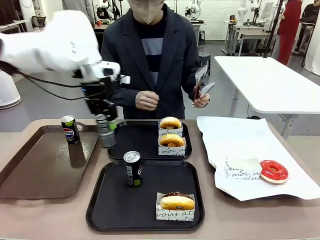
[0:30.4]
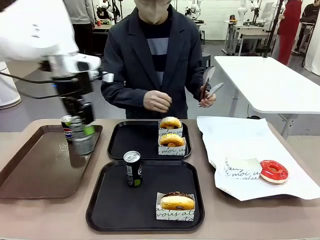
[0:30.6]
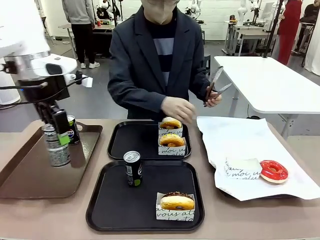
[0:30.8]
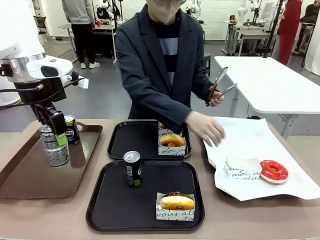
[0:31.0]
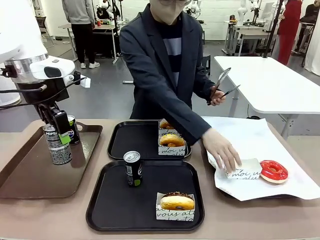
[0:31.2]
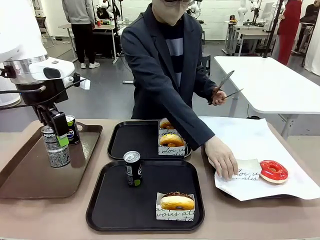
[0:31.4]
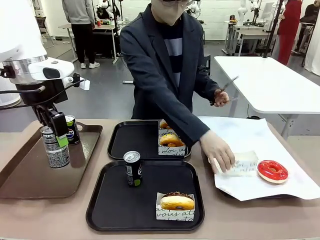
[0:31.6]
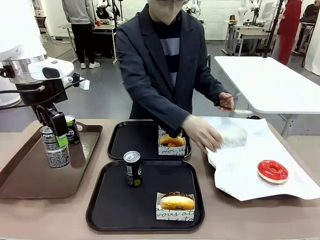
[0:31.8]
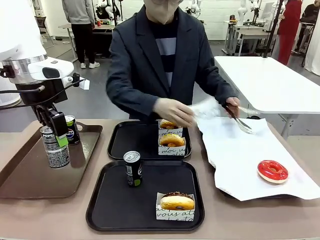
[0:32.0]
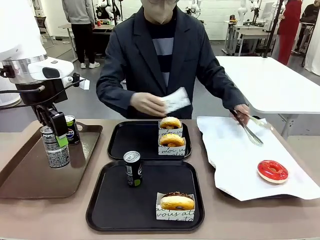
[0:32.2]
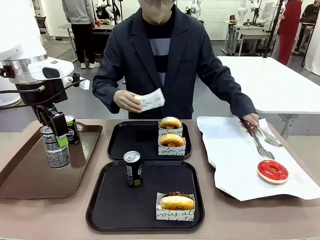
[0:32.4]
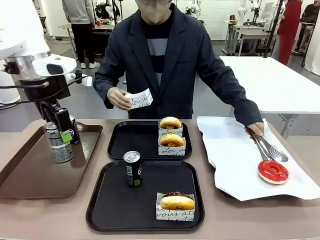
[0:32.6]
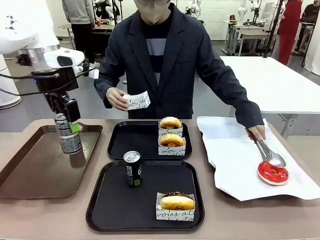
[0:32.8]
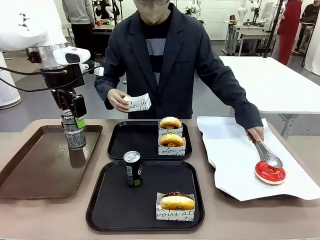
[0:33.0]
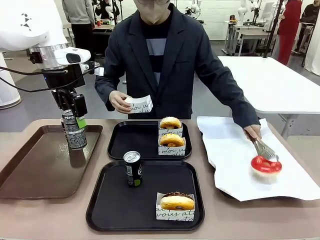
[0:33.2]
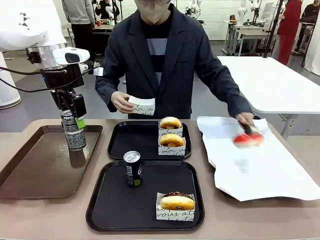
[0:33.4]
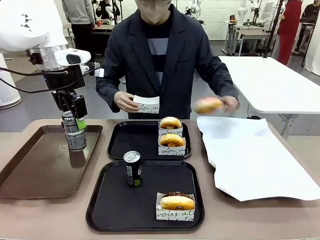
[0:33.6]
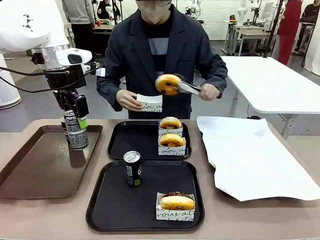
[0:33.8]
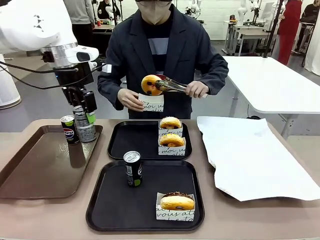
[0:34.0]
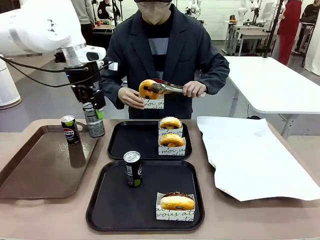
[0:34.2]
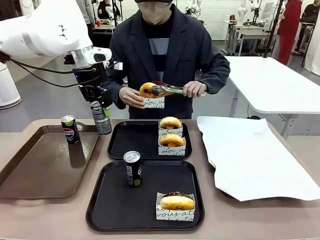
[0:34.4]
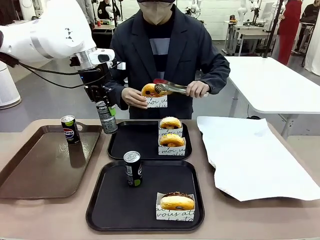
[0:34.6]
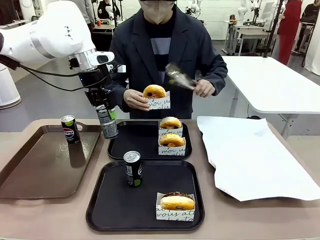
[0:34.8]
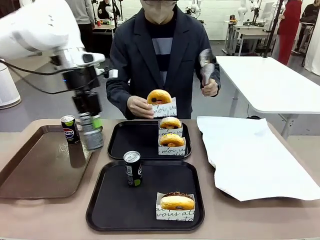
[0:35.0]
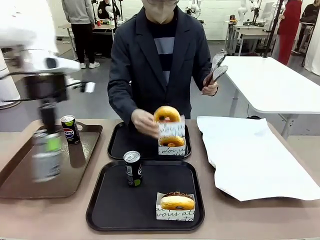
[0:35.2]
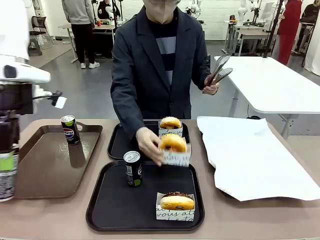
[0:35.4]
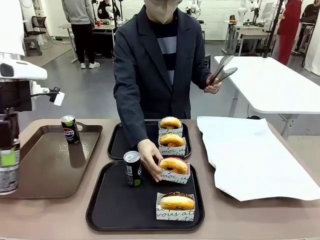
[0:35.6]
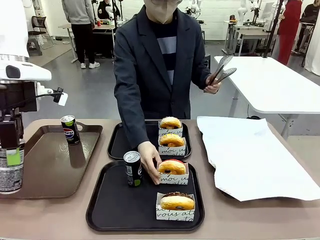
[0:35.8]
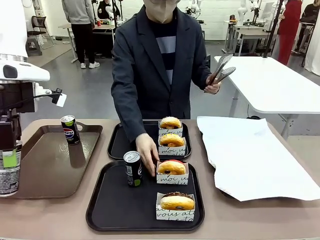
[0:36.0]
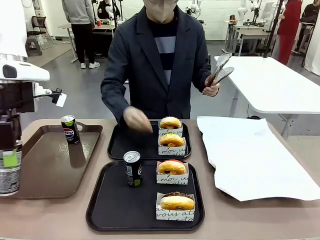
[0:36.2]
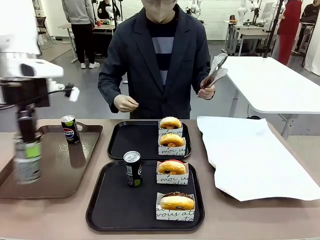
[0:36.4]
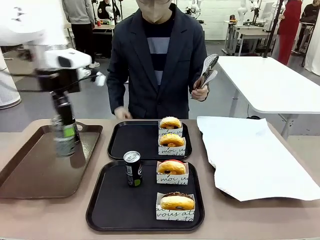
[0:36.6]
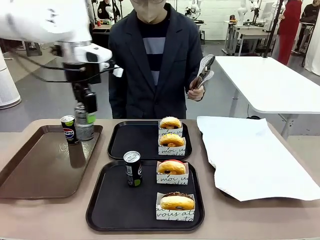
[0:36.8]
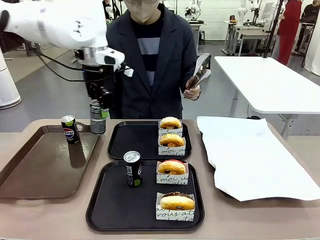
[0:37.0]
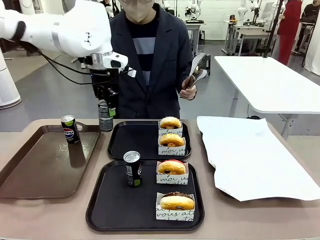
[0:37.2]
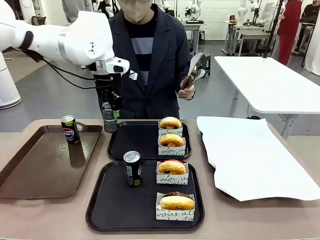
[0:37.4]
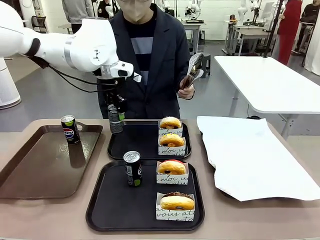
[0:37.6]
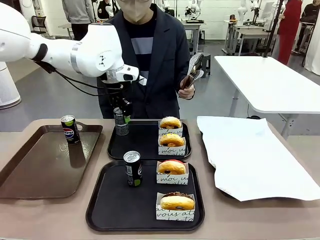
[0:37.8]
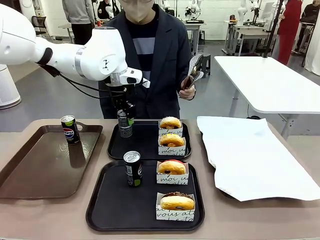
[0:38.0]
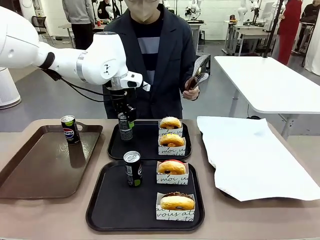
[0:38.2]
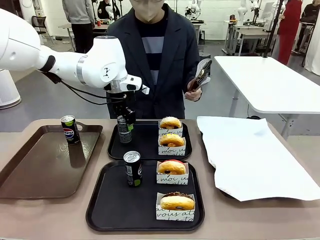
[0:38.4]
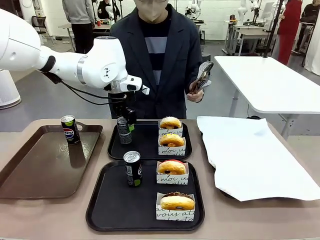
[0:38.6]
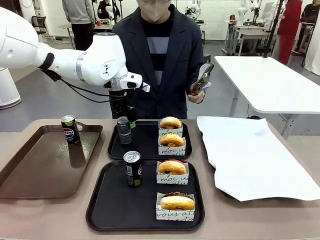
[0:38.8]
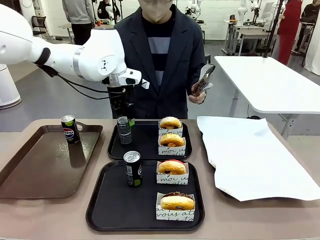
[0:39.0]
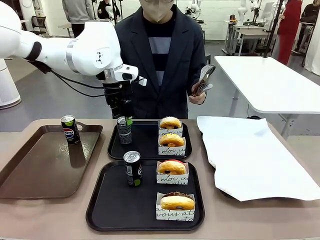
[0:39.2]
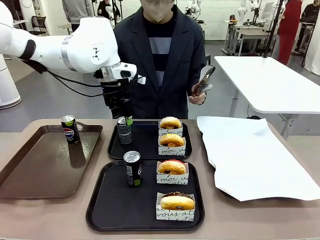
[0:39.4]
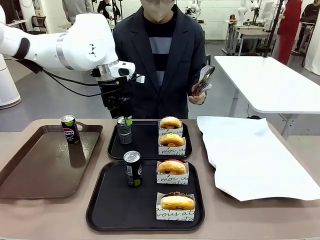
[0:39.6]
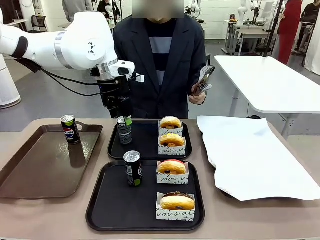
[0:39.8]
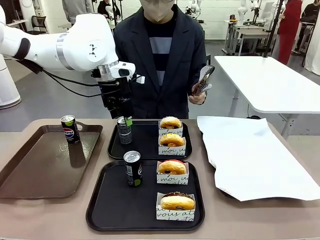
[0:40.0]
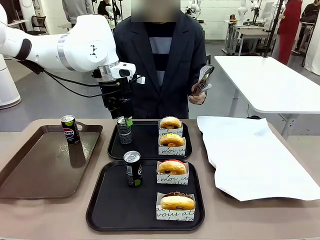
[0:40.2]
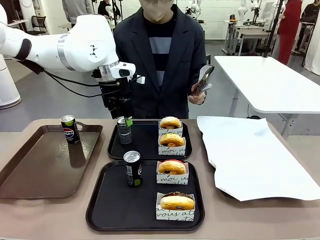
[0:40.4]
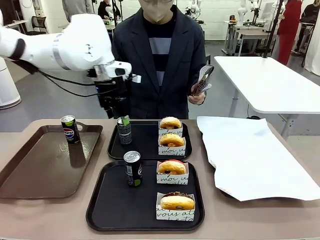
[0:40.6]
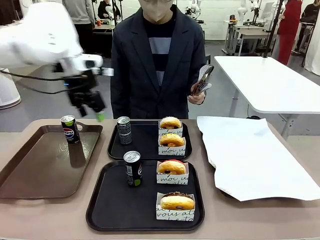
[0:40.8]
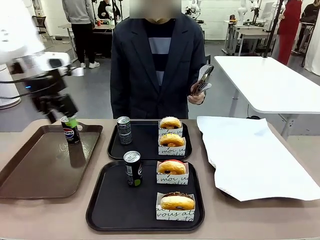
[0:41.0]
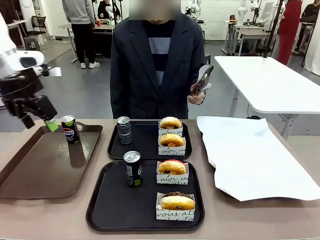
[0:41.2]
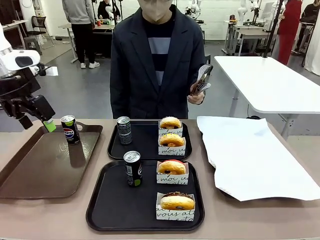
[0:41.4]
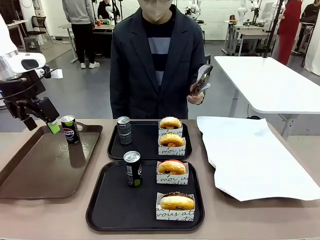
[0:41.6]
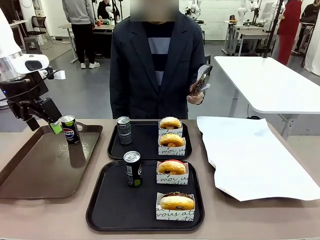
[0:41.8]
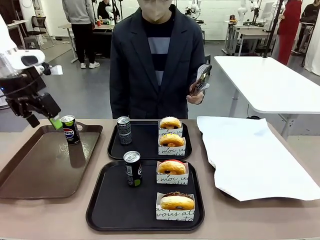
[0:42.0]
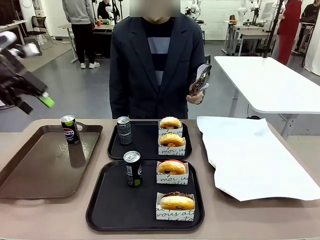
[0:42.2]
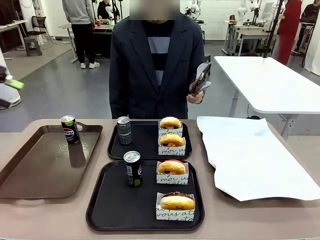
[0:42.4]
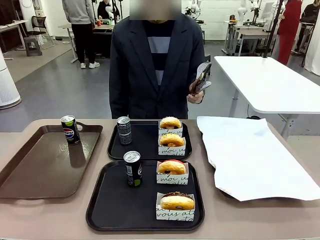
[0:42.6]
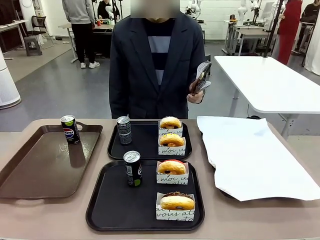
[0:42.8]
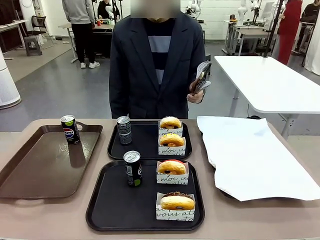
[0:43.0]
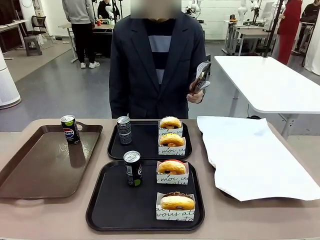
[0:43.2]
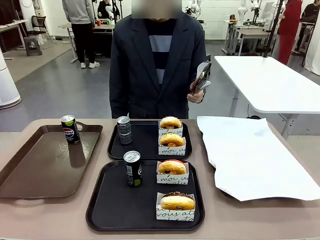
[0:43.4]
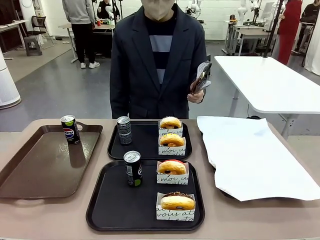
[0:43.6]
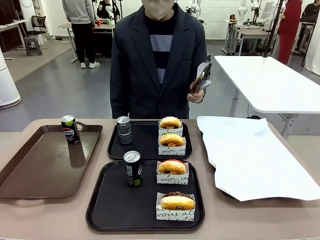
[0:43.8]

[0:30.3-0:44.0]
Task: Set up donuts and drinks on trays.
Robot: Pick up one Pepsi coke from the Handle tray and place it on the Flat Tray without a Pepsi coke.

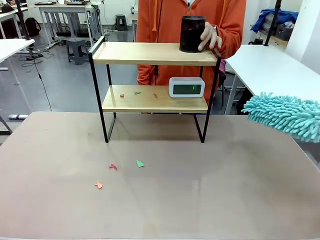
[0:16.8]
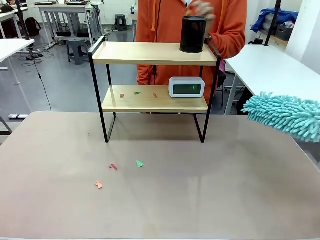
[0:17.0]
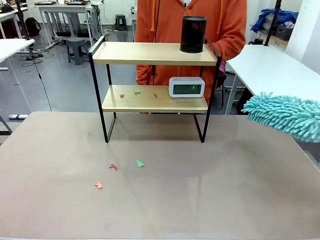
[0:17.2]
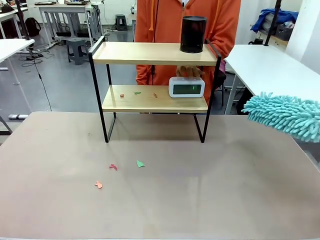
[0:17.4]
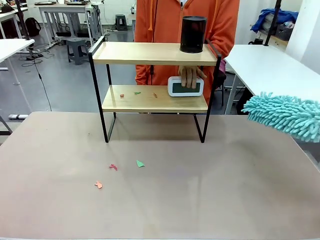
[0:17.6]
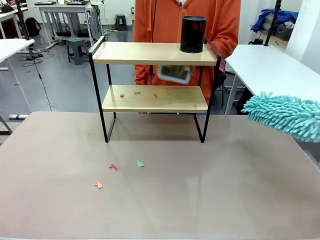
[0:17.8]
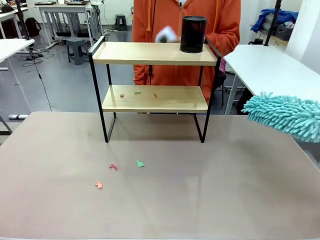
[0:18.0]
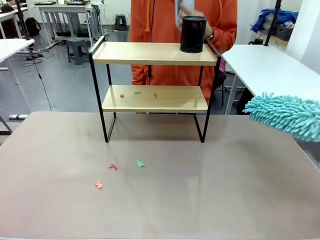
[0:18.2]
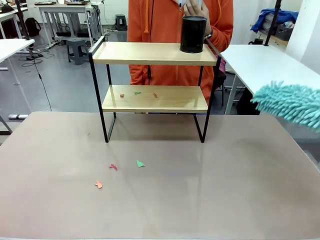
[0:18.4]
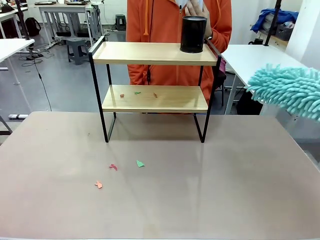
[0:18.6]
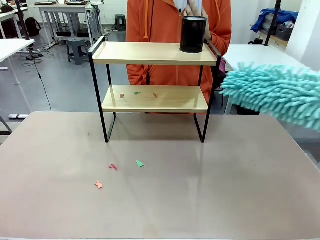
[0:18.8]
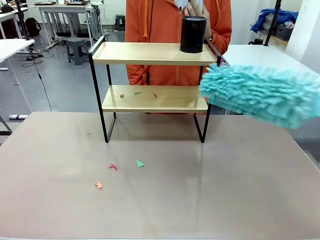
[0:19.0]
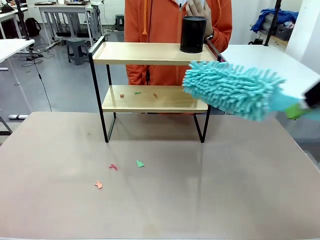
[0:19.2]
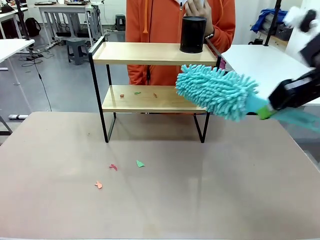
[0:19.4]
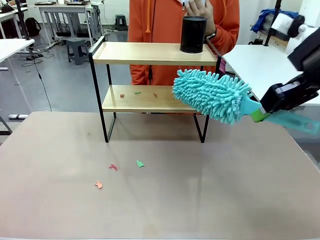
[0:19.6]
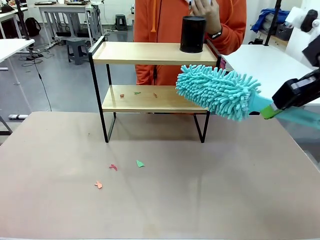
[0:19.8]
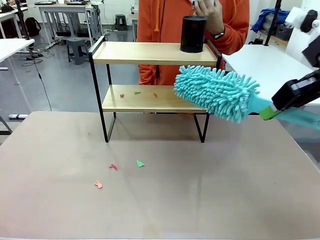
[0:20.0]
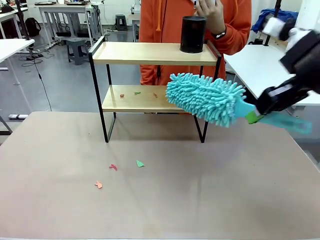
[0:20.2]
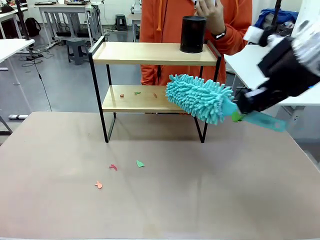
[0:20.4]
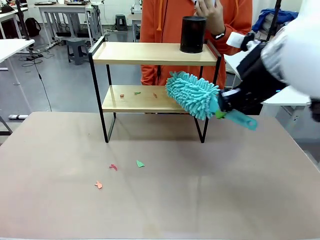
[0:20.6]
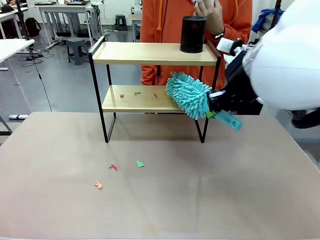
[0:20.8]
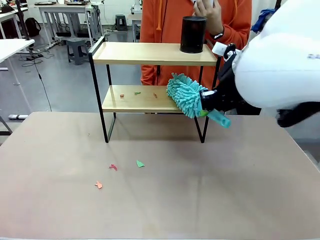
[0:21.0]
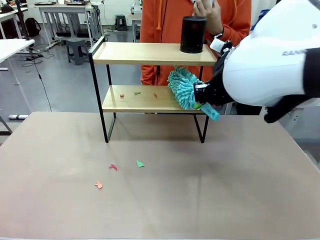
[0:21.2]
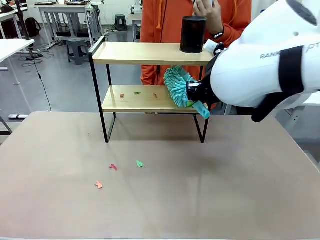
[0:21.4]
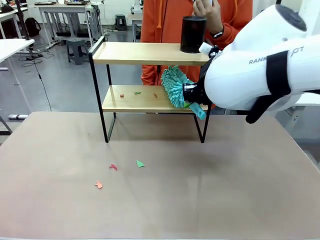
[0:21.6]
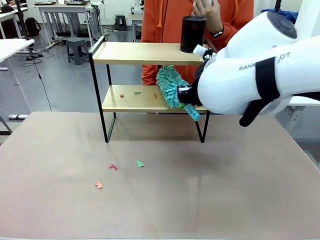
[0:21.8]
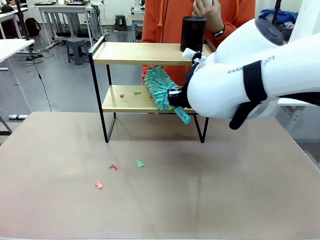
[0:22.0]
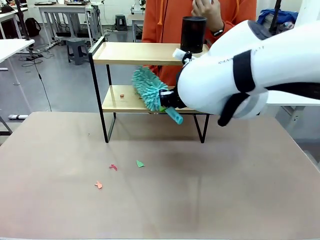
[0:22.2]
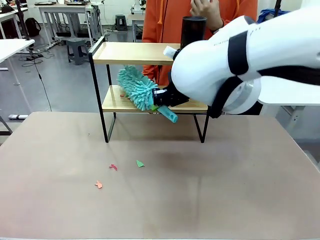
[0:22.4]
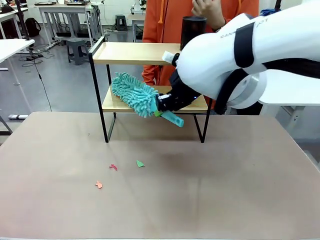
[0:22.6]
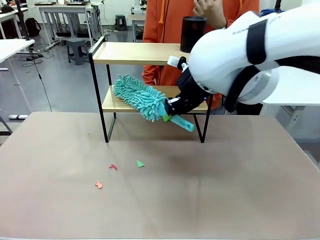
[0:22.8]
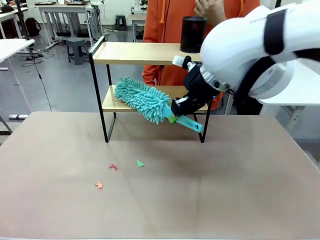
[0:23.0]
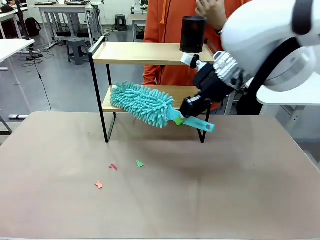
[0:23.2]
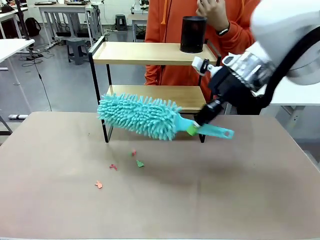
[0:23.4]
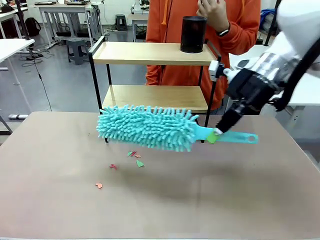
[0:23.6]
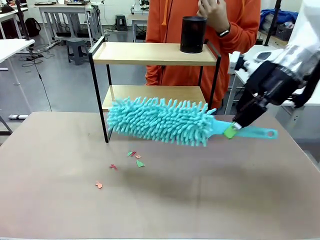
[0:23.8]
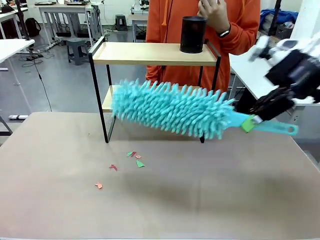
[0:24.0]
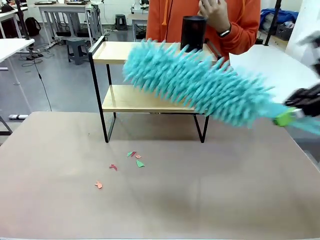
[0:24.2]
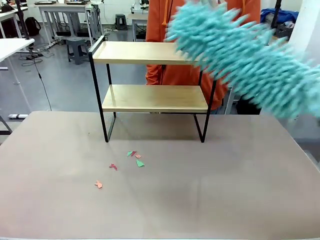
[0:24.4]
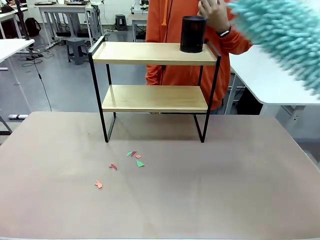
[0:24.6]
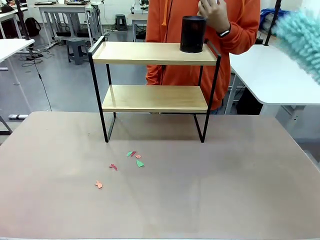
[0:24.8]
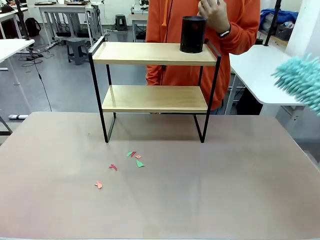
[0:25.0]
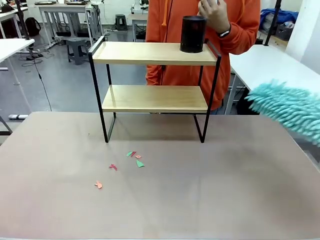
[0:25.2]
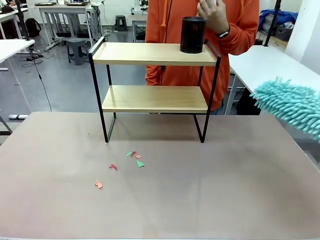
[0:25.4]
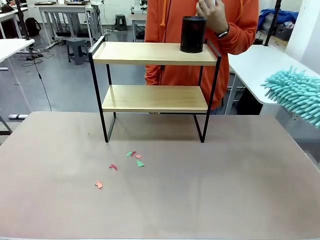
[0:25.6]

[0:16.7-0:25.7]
Task: Clean the shelf.
Robot: Clean the remaining tier of the Shelf with the Duster once objects are removed.
